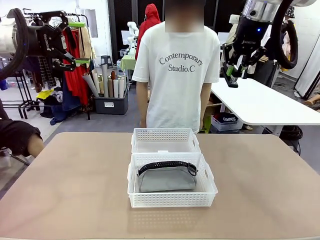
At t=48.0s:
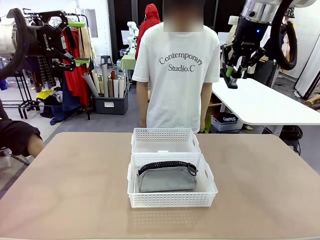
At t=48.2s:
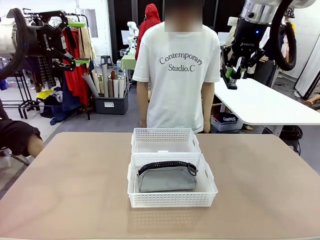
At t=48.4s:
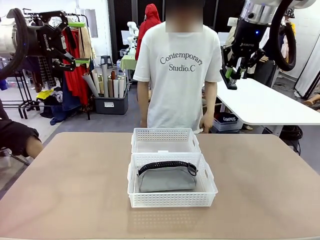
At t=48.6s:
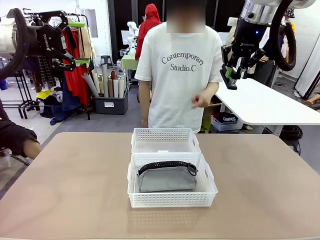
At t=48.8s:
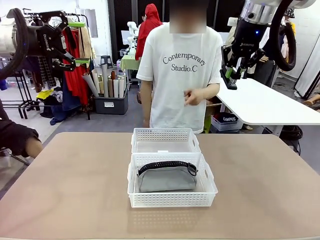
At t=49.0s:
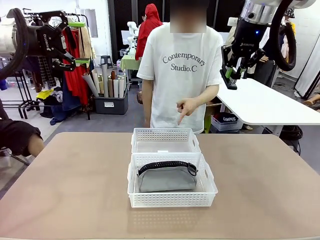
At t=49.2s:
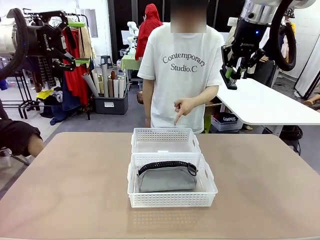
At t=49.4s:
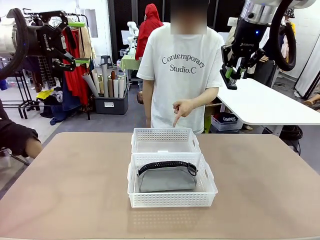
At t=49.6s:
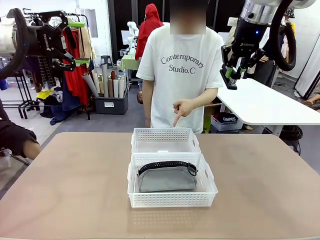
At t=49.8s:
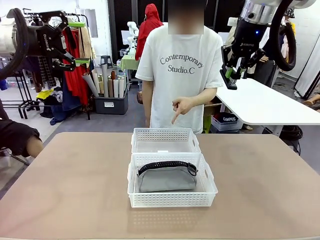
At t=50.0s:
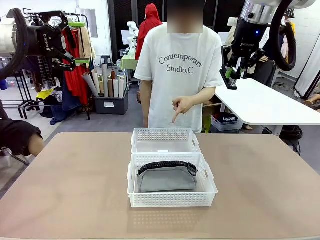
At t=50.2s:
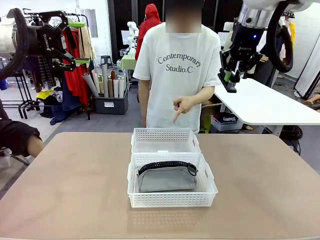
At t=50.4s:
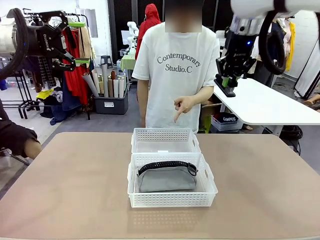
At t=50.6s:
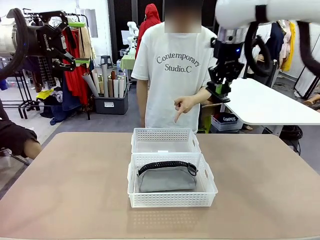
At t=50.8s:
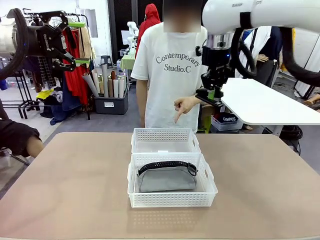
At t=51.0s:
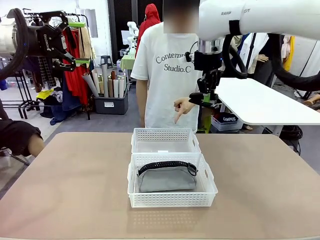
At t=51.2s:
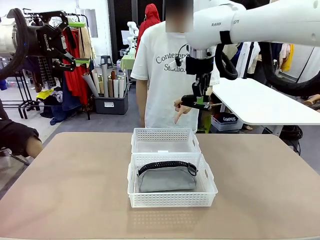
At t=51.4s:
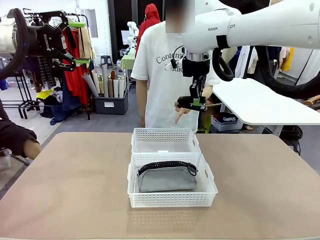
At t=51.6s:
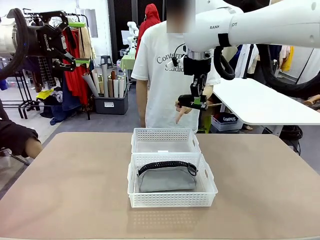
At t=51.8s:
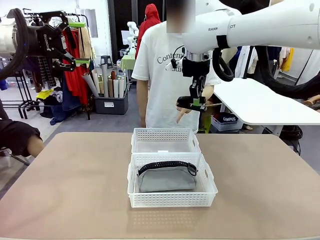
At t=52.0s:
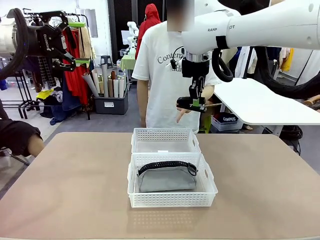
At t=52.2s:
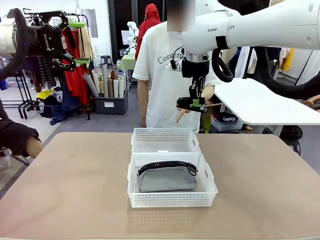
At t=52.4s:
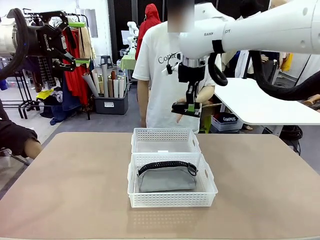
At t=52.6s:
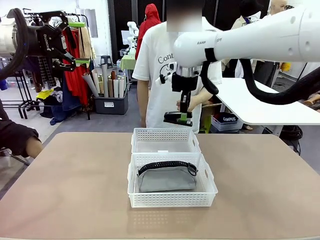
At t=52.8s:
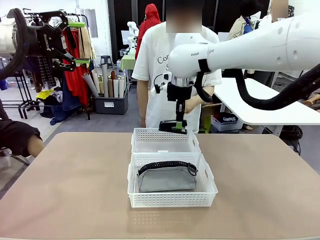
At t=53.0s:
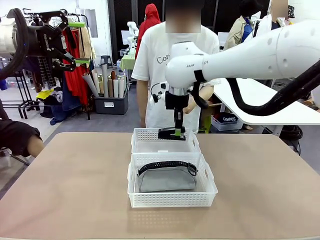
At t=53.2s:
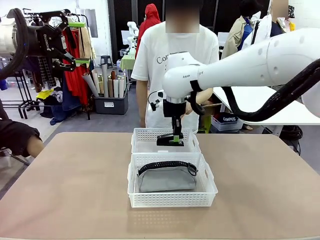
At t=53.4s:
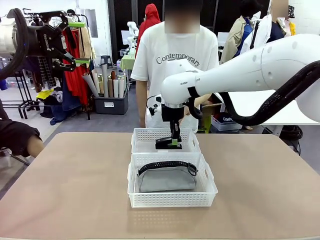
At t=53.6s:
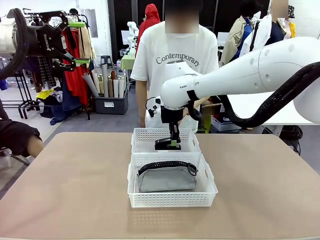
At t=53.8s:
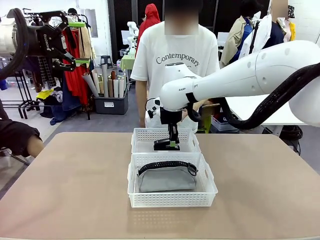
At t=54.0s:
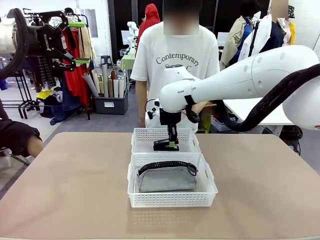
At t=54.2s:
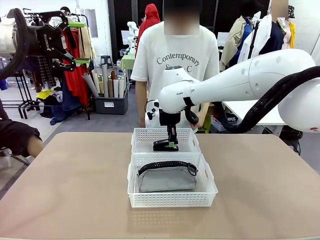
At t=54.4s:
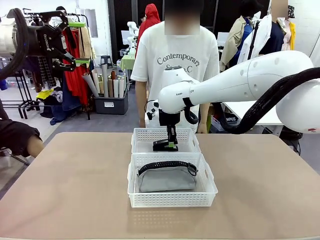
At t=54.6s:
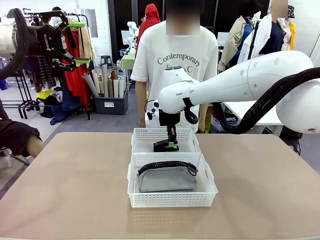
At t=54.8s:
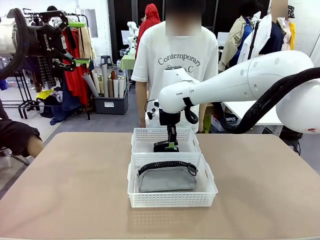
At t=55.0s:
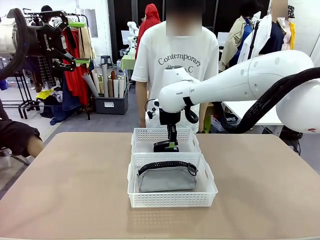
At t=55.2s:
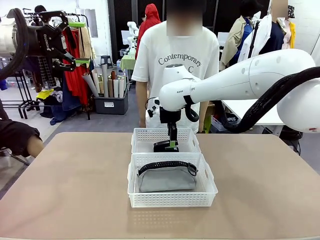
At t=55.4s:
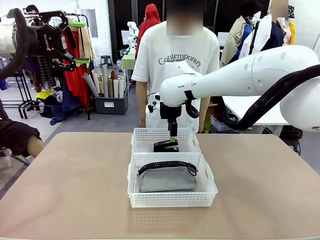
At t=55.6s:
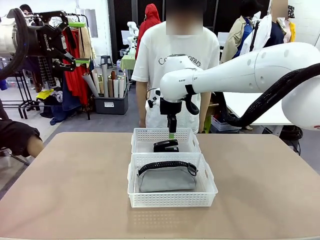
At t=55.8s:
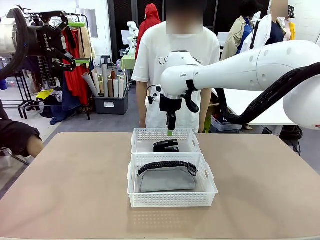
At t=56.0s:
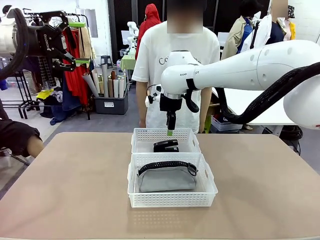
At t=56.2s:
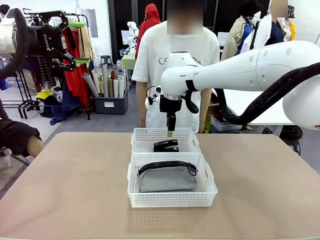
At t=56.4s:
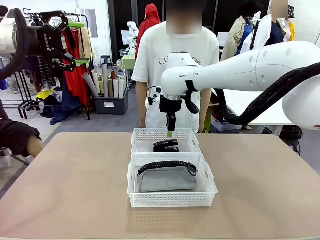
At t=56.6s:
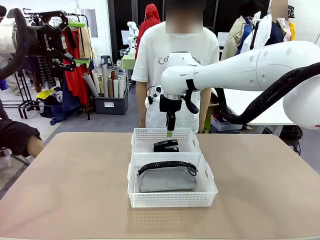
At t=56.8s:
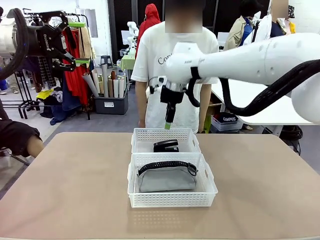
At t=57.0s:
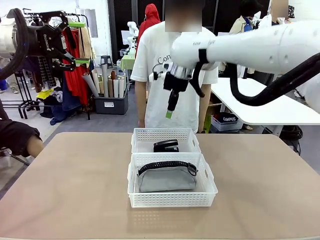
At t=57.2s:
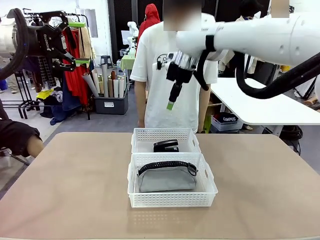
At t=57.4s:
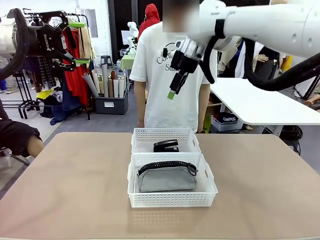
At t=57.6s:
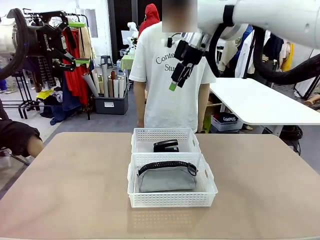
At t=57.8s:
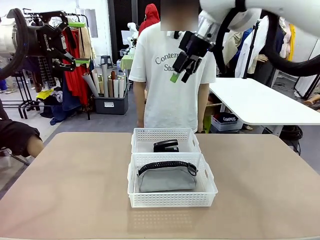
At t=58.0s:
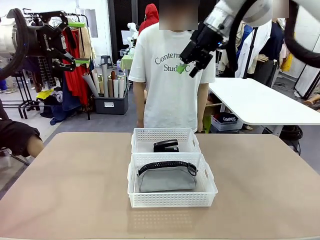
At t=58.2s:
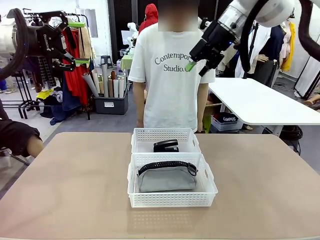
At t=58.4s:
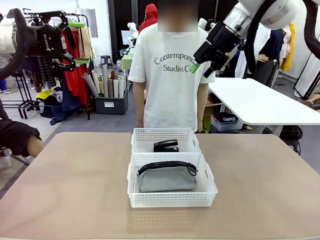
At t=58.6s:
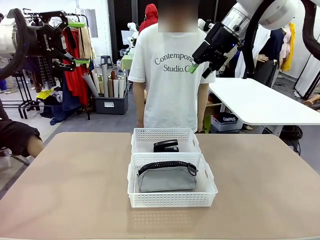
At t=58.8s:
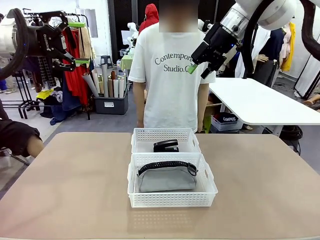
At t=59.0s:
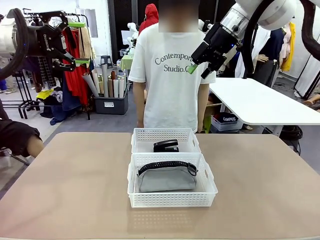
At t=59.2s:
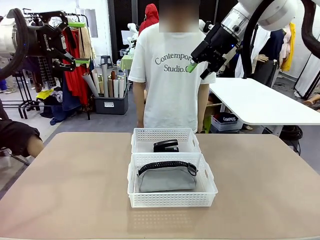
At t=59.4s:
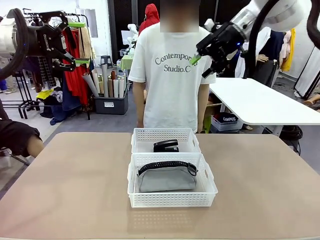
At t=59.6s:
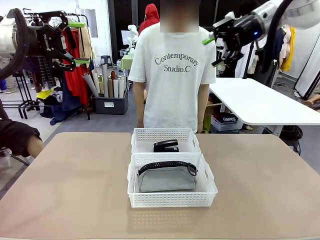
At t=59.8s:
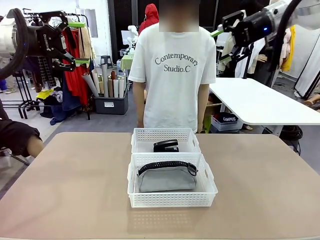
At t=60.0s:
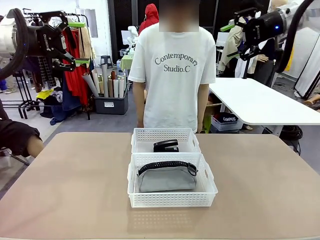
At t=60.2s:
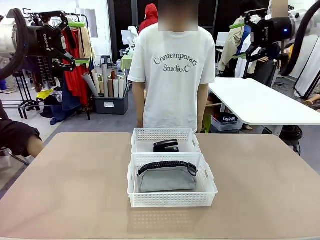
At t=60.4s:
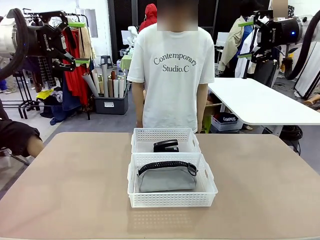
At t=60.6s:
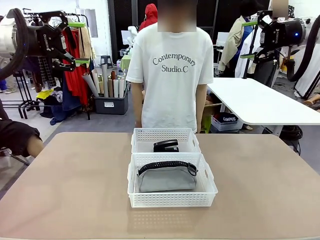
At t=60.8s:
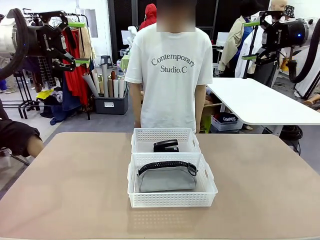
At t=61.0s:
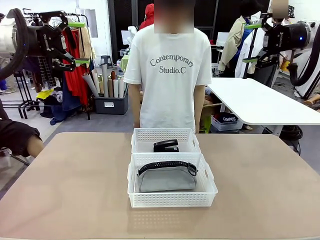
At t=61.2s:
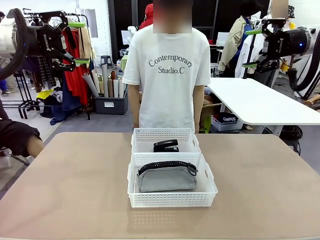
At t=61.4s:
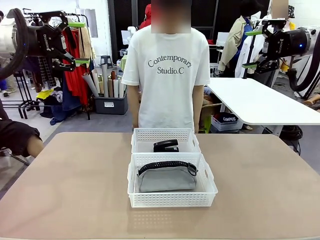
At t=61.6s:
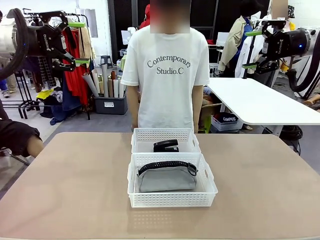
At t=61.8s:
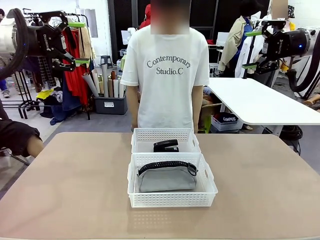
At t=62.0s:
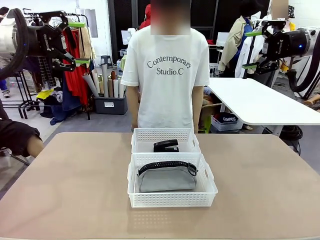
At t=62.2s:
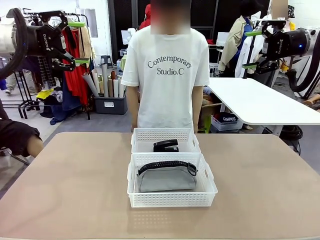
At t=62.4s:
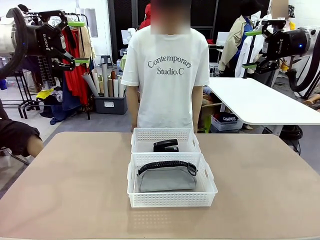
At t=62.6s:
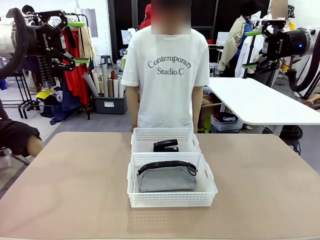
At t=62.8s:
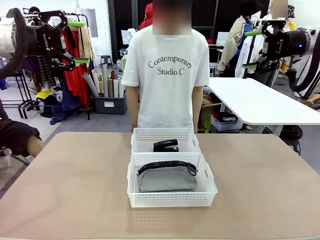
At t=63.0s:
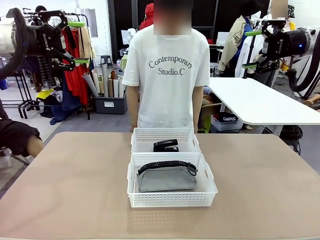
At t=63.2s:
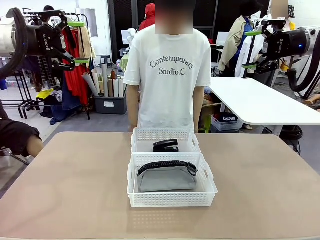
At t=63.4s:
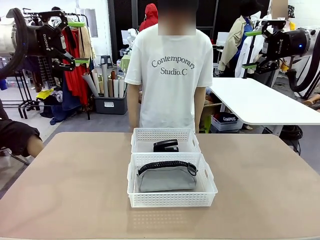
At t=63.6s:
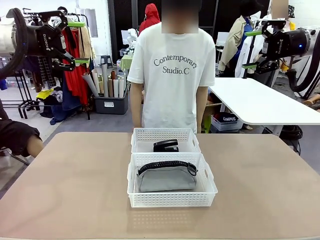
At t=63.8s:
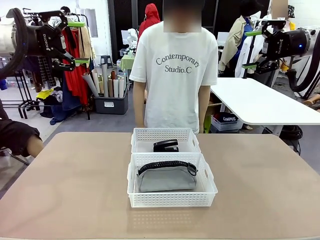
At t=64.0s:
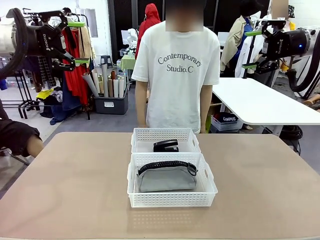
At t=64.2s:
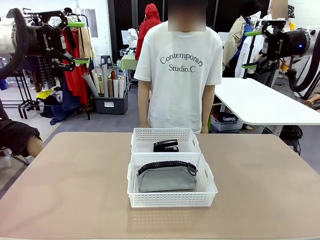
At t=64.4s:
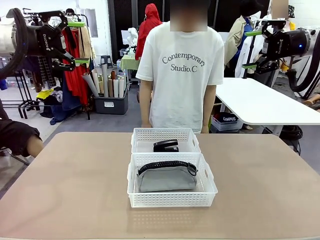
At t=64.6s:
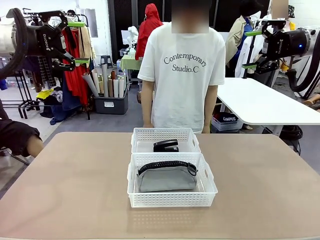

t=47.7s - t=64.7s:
Task: Distribute items into two baskets.
Robot: Place the picked Stapler into the Organizing basket as instructed by the person.
Person: Points to the basket that does not contain the pencil case and instructs the robot to move the stapler there.
